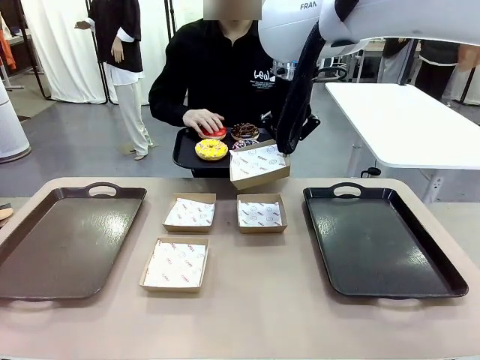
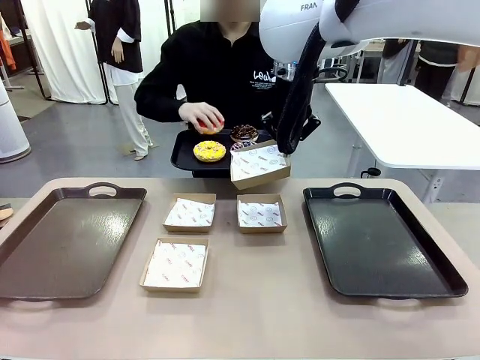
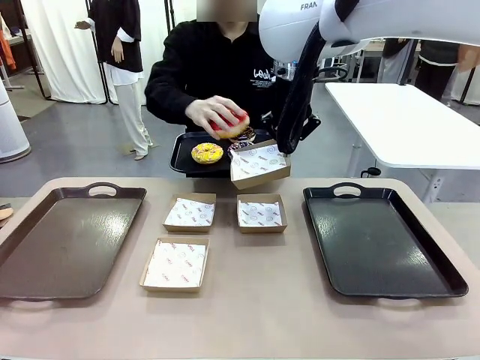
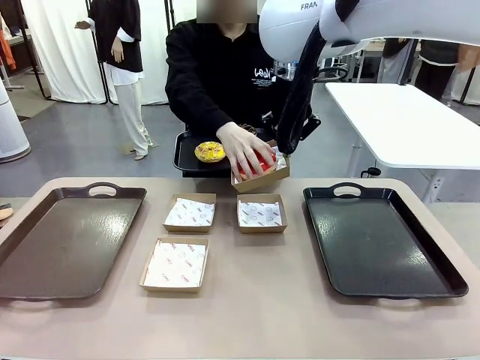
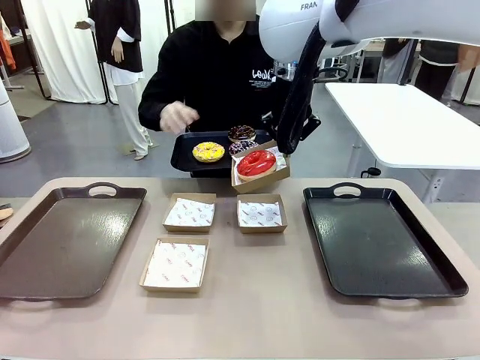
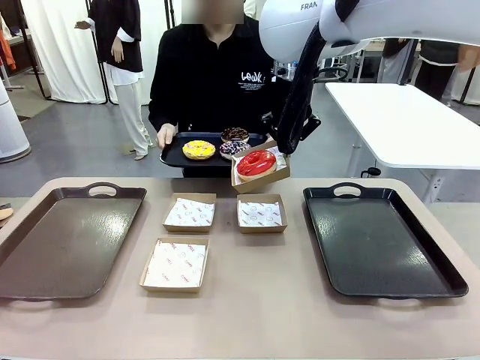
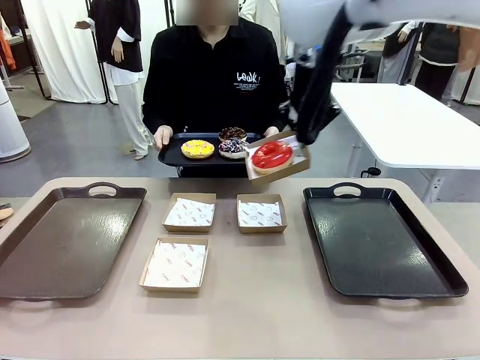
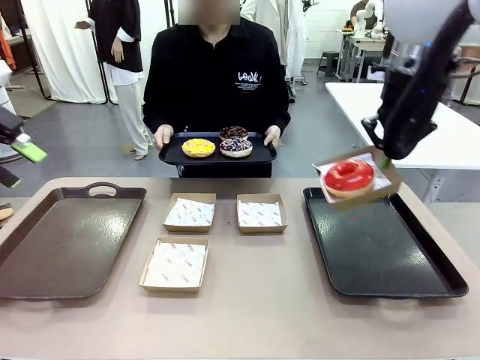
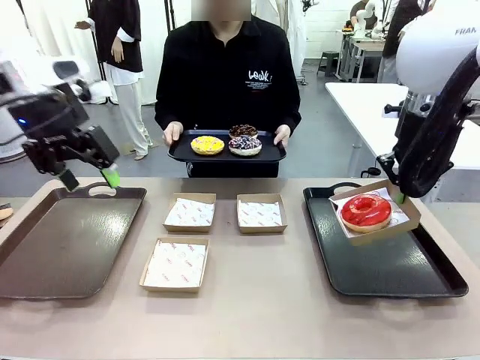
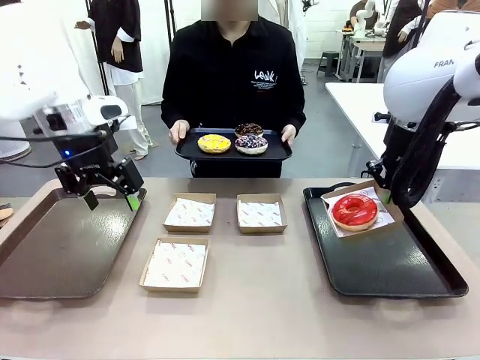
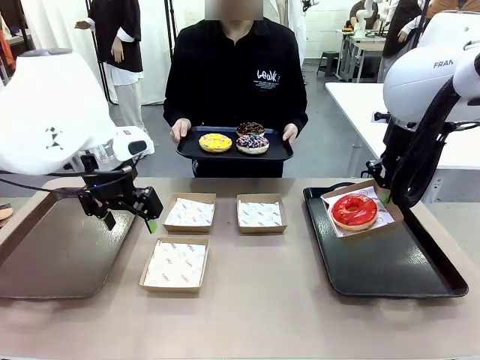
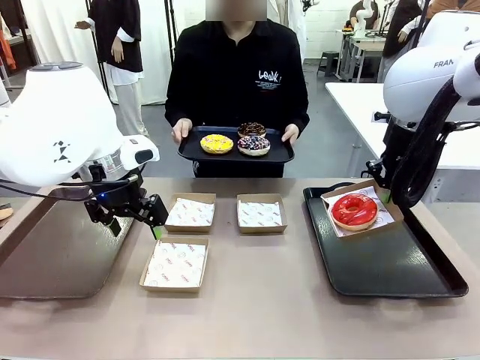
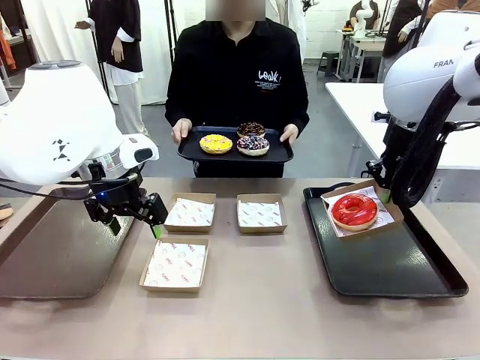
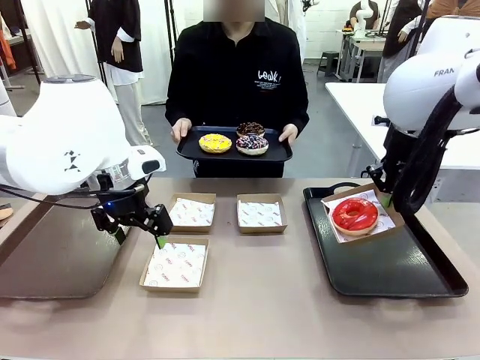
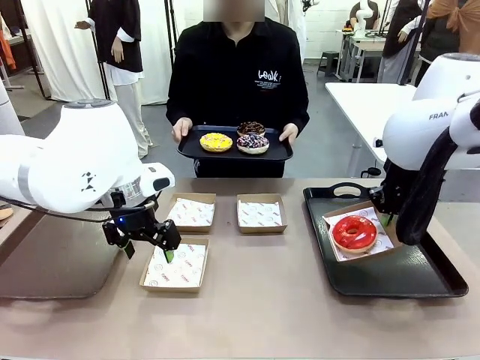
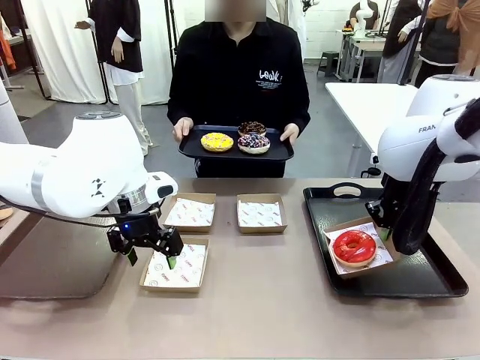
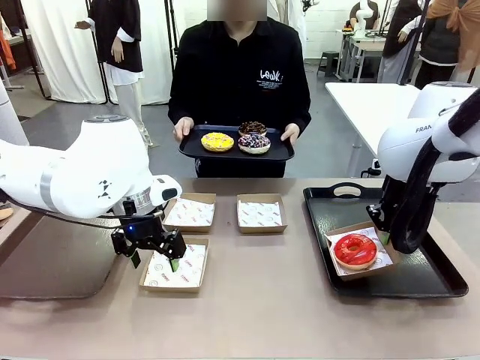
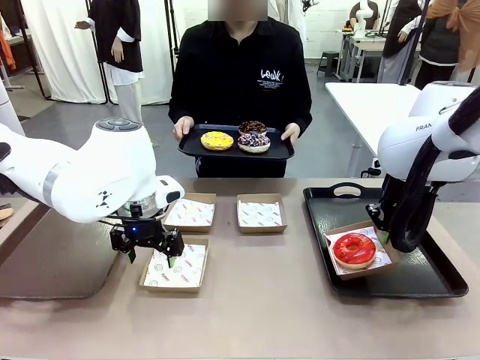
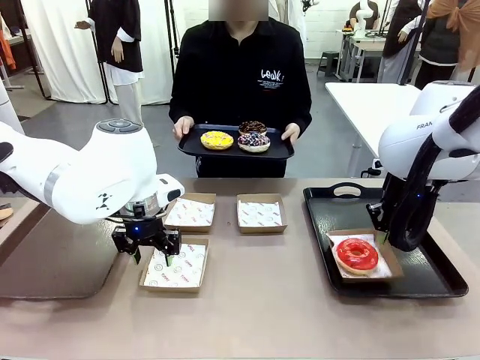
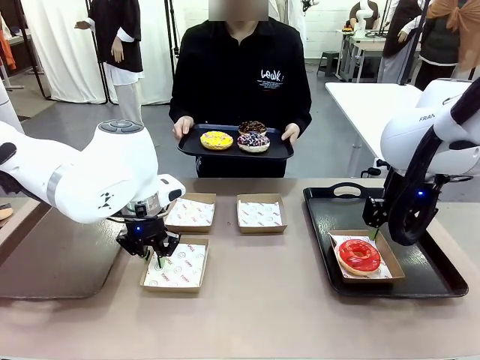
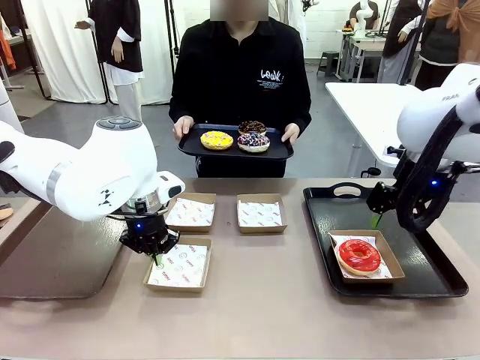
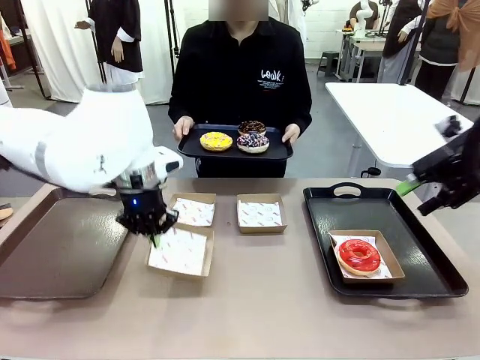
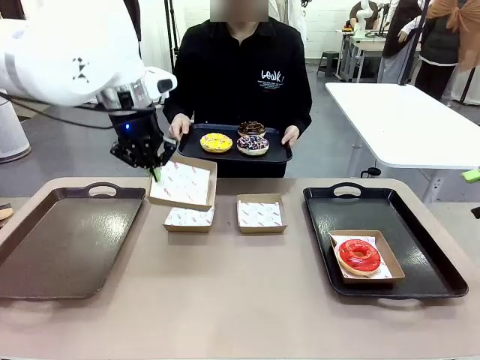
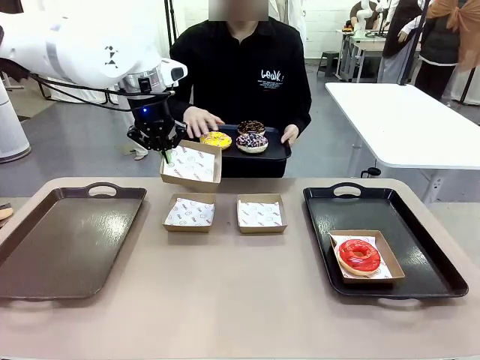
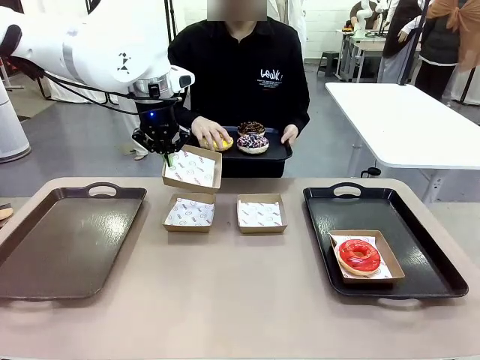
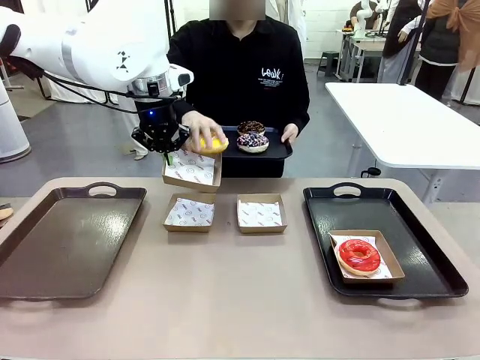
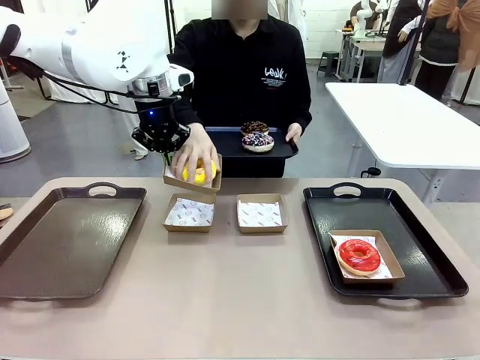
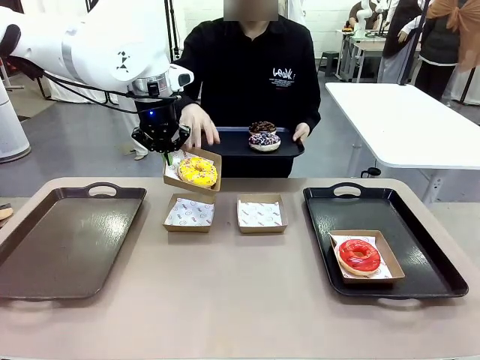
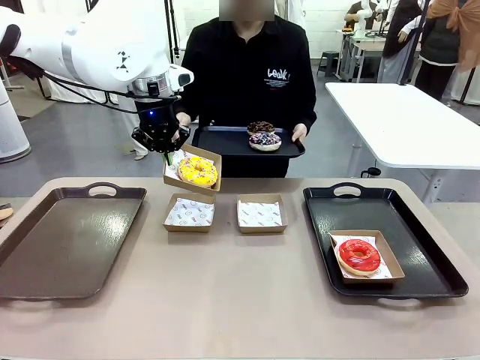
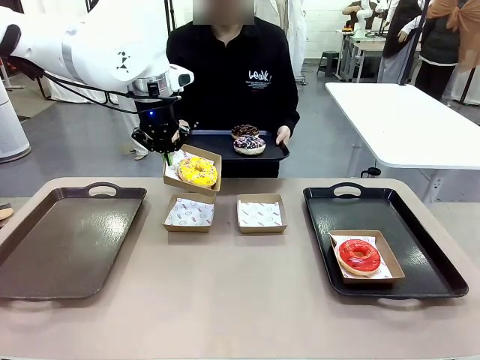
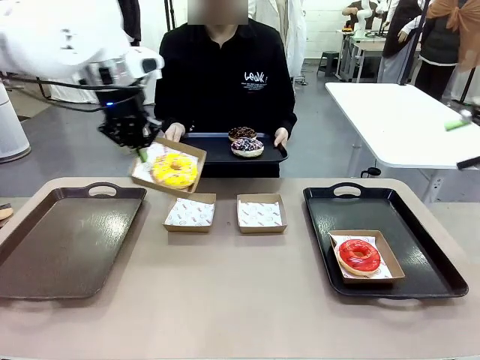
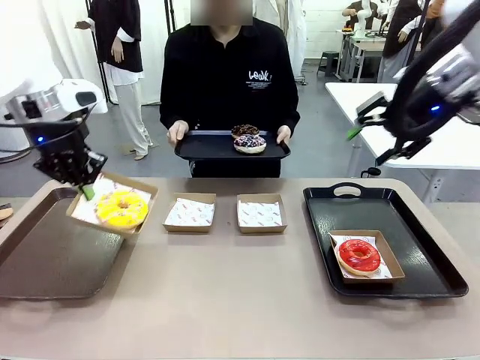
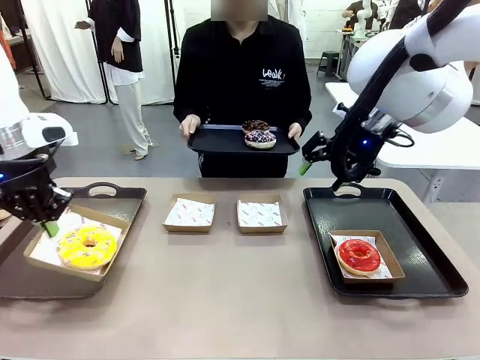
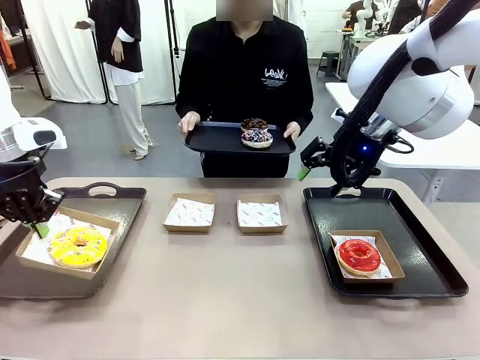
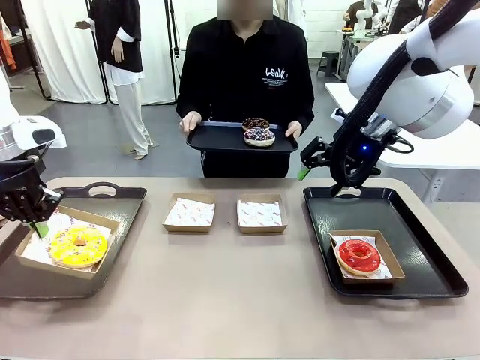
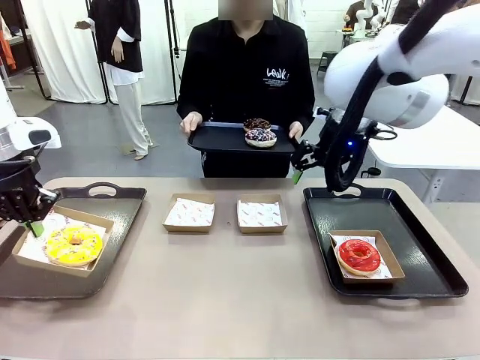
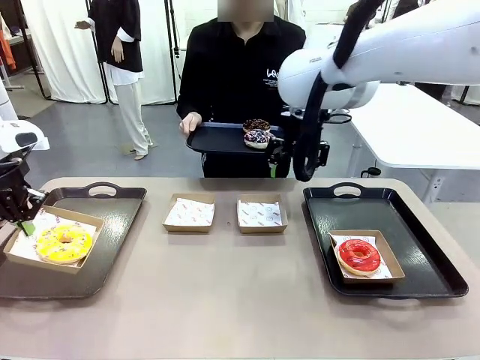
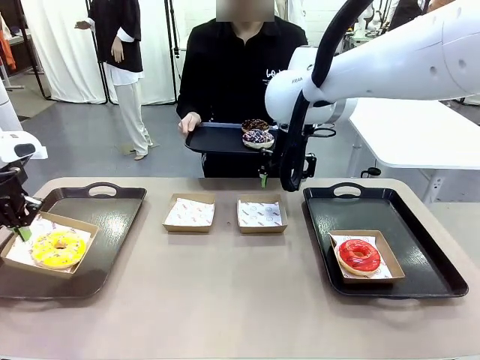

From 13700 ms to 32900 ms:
Task: Individually package the donuts and arrange them on the tray.
Robot: Place the picked Paper togo box on the Handle tray while simultaneously picking up another Paper togo box from the table with the other hand.

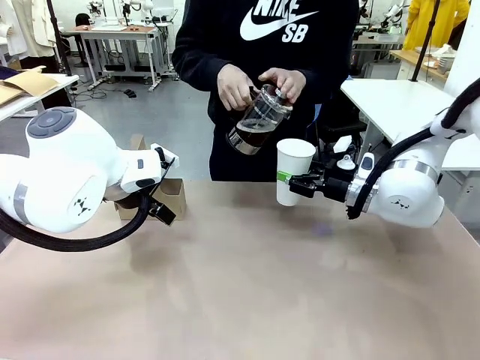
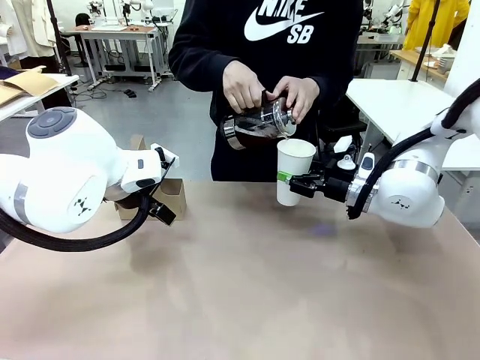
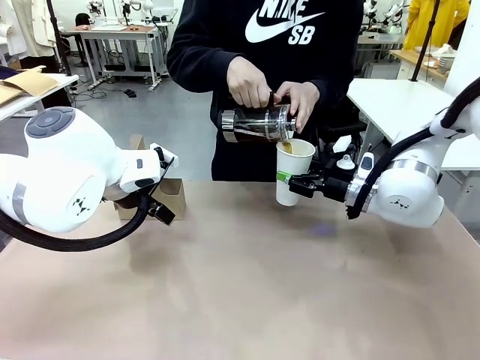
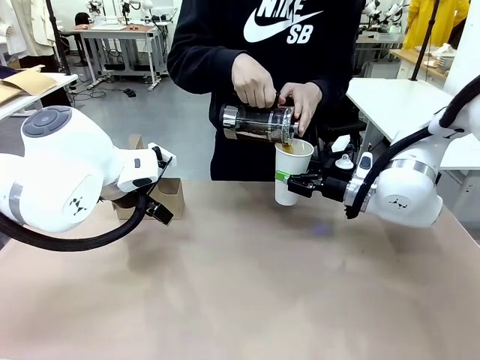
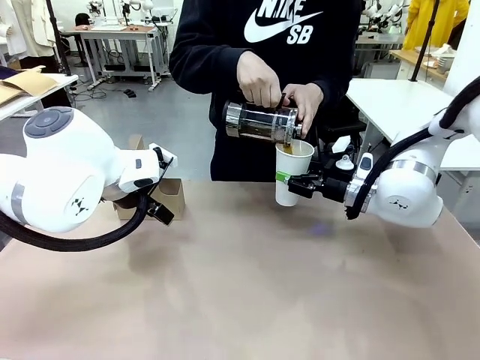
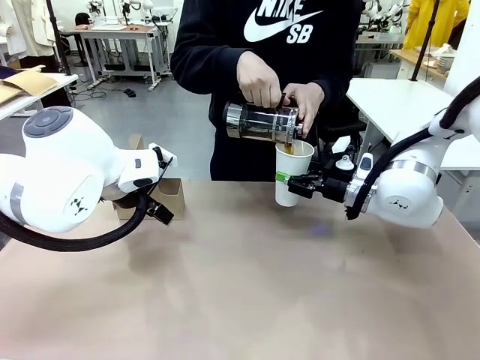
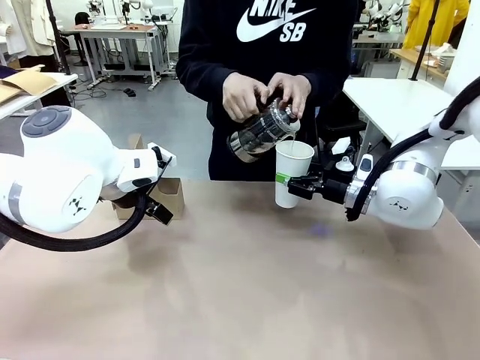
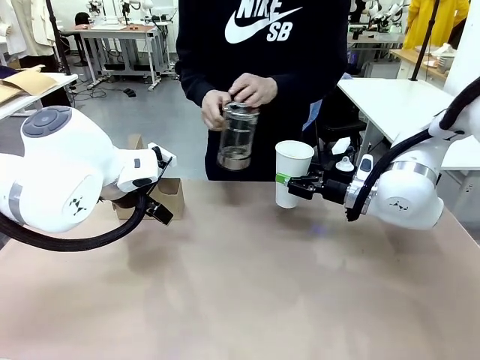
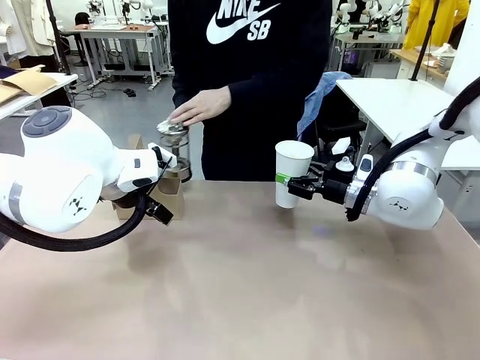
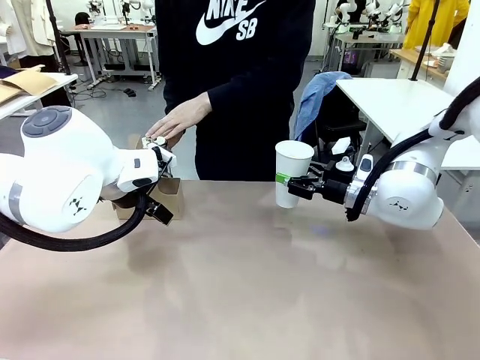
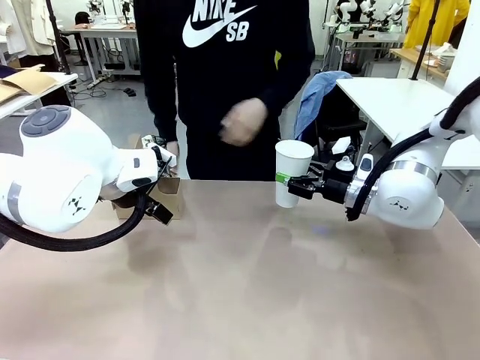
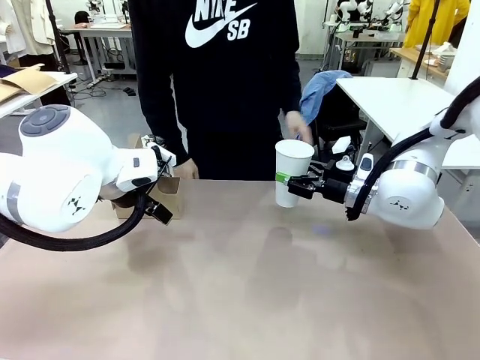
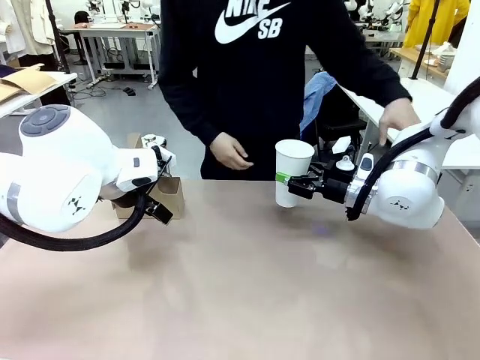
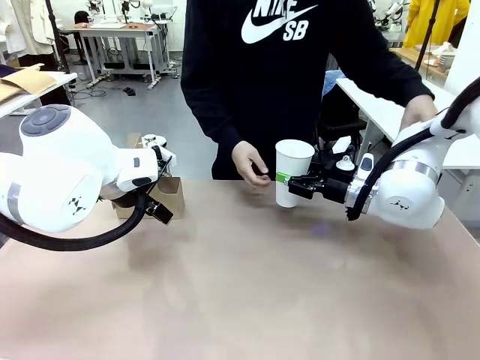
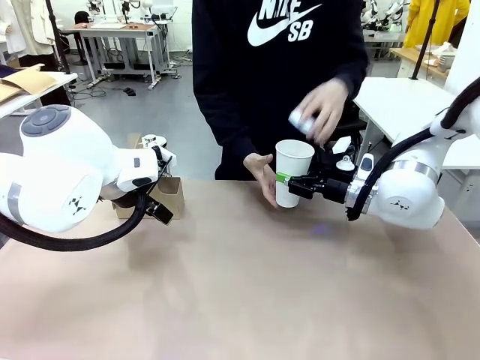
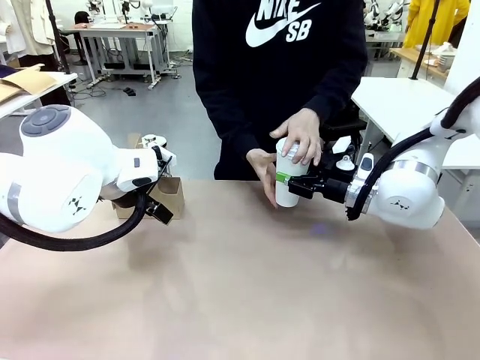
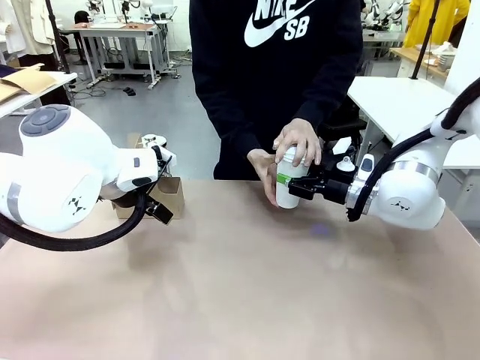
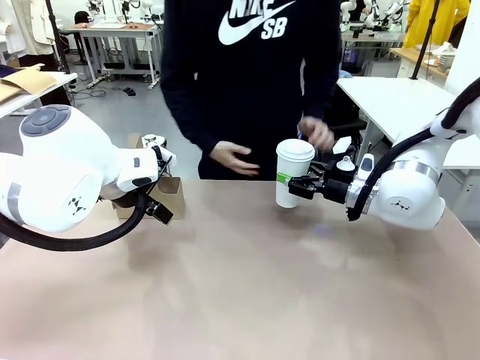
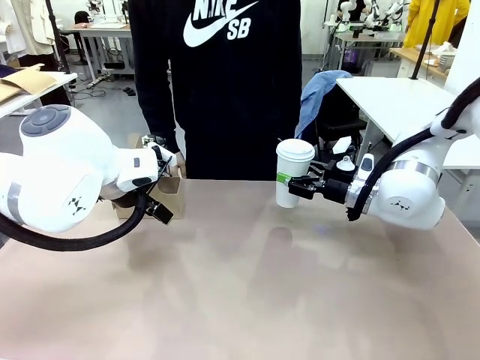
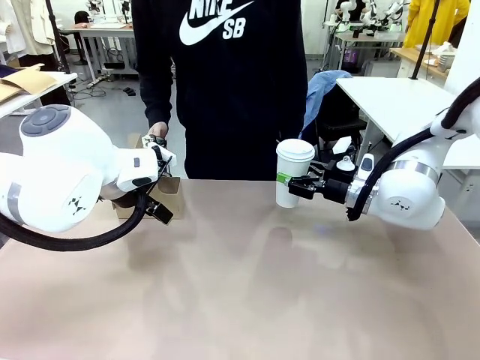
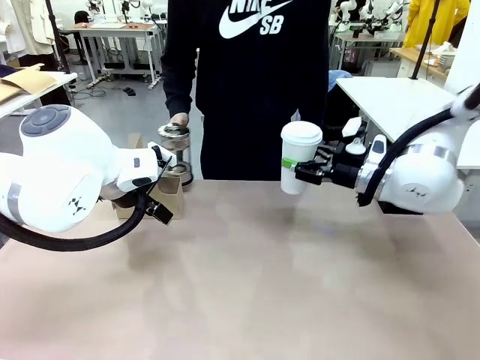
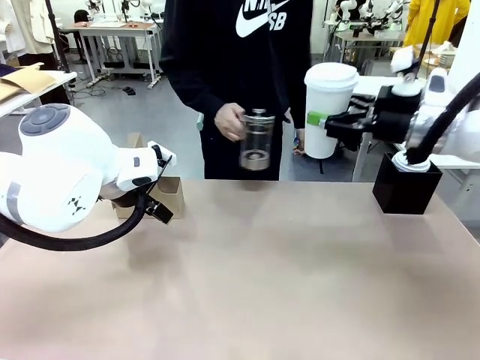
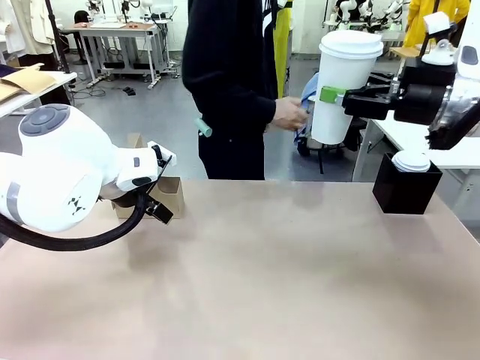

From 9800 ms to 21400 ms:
Task: Pour a drink into a cup and package it in a carrier.
Robot: When a person places the Paper Cup Lid on the 600 ml Paper Cup , lift the 600 ml Paper Cup.
Person: Pour the drink from the Filter Brewing into the 600 ml Paper Cup. Place a Paper Cup Lid on the 600 ml Paper Cup.
